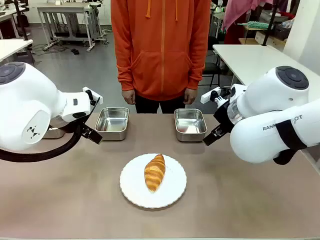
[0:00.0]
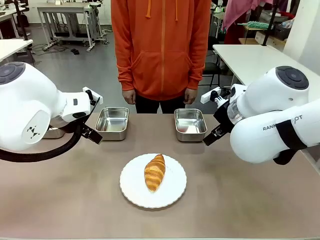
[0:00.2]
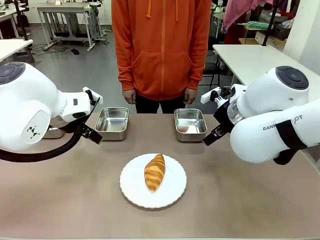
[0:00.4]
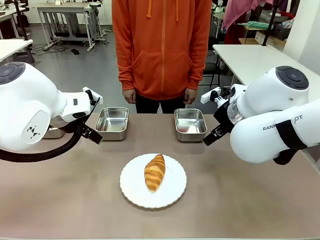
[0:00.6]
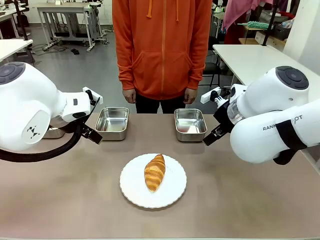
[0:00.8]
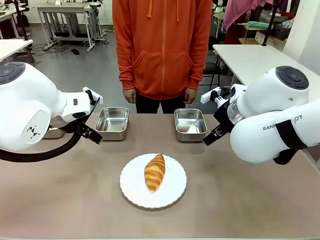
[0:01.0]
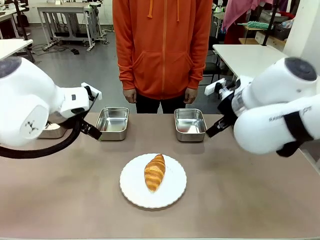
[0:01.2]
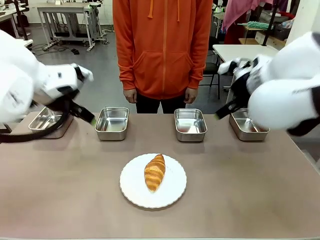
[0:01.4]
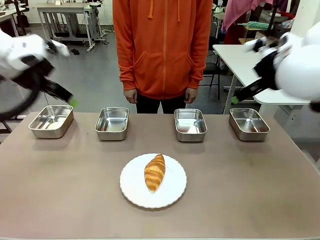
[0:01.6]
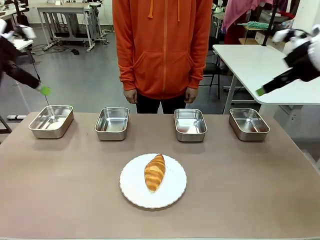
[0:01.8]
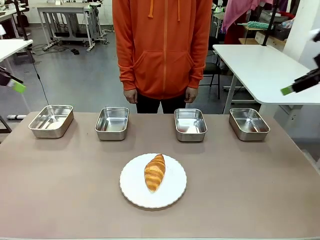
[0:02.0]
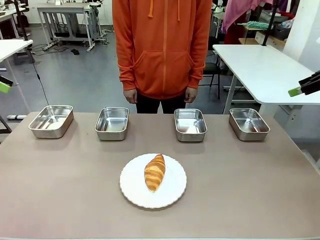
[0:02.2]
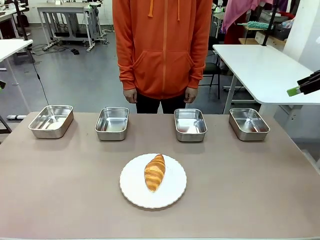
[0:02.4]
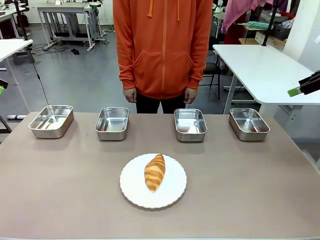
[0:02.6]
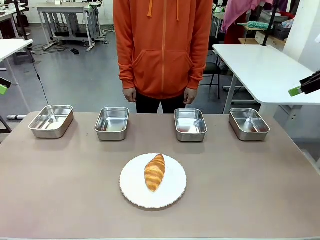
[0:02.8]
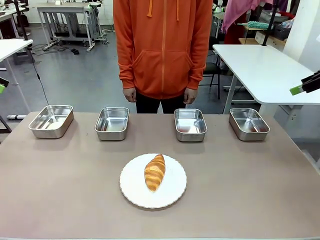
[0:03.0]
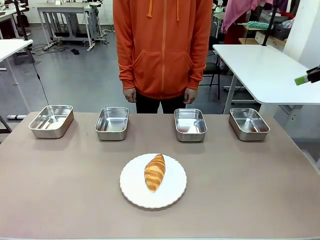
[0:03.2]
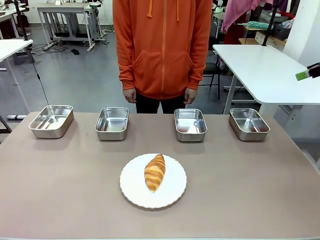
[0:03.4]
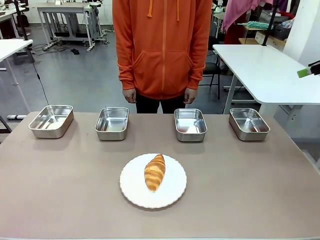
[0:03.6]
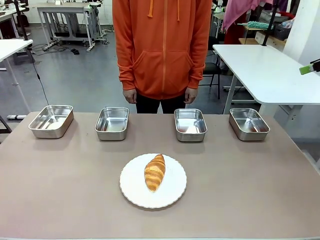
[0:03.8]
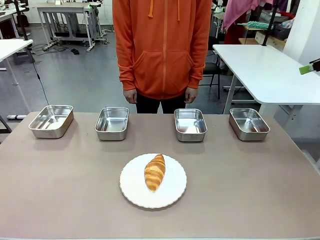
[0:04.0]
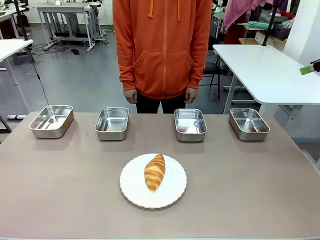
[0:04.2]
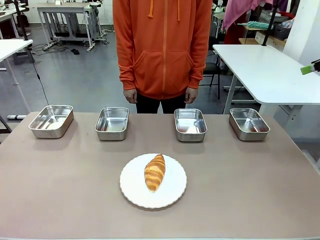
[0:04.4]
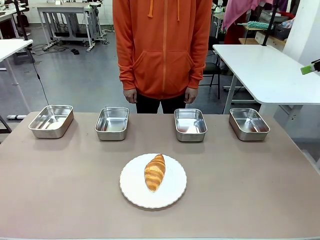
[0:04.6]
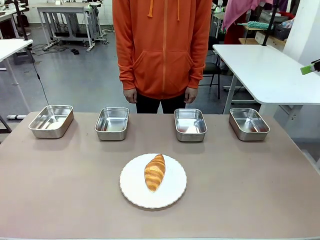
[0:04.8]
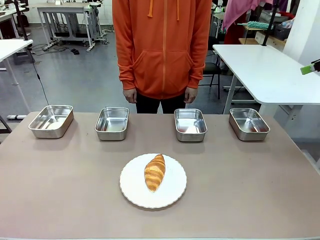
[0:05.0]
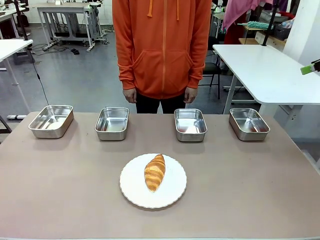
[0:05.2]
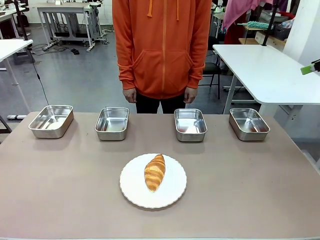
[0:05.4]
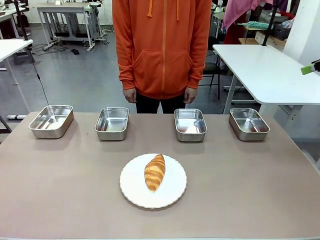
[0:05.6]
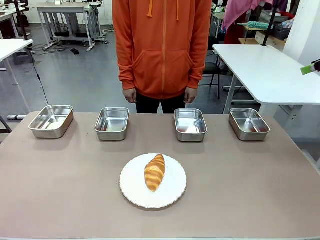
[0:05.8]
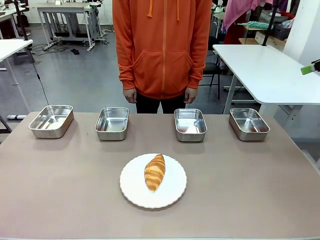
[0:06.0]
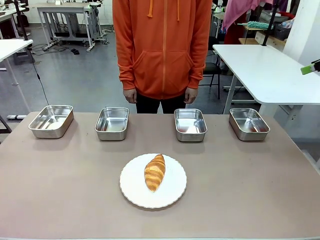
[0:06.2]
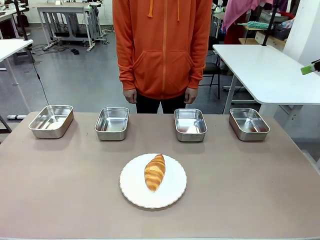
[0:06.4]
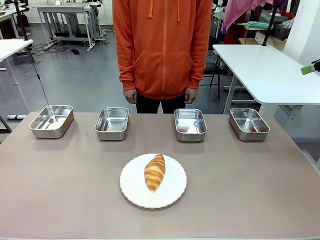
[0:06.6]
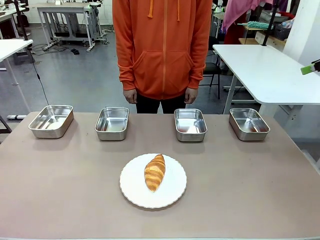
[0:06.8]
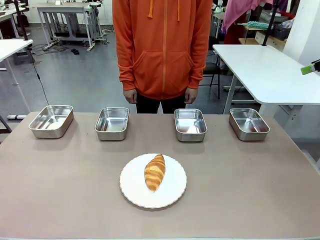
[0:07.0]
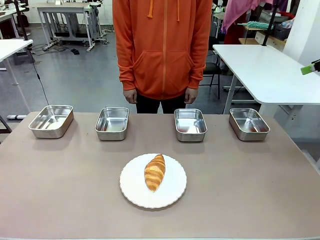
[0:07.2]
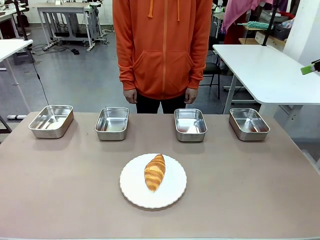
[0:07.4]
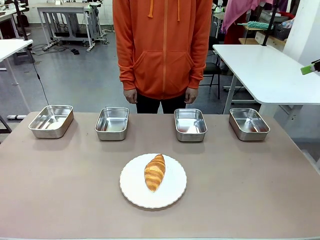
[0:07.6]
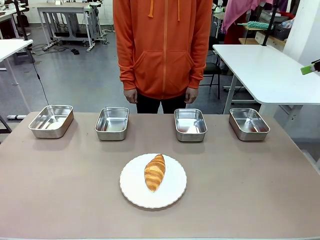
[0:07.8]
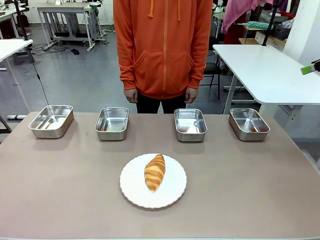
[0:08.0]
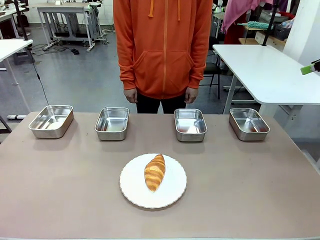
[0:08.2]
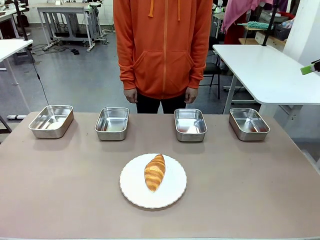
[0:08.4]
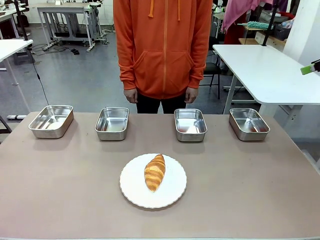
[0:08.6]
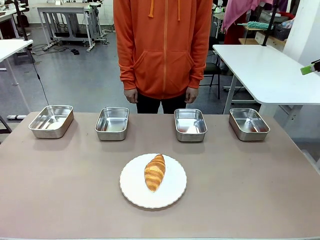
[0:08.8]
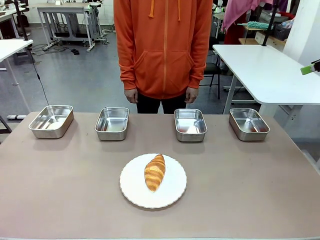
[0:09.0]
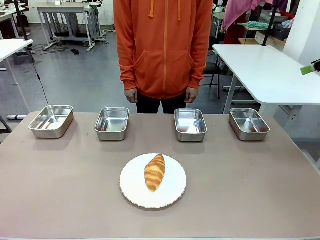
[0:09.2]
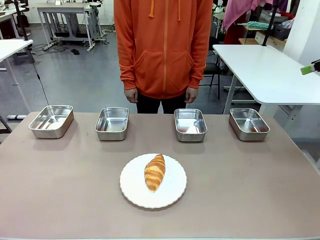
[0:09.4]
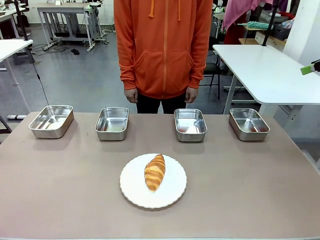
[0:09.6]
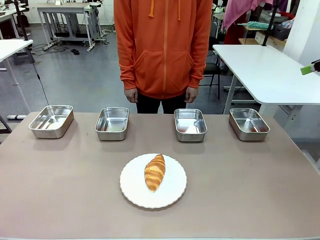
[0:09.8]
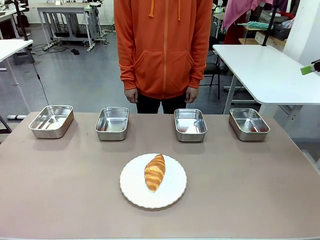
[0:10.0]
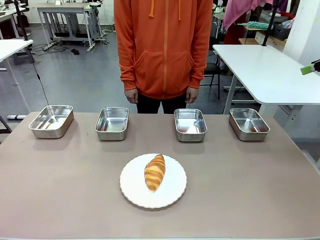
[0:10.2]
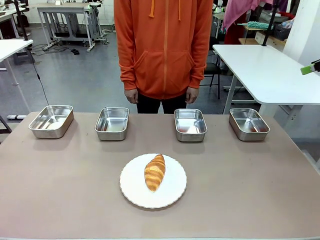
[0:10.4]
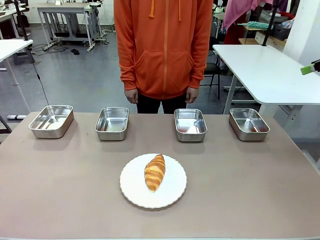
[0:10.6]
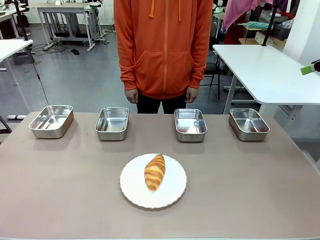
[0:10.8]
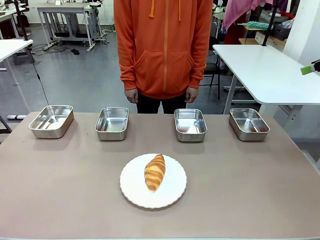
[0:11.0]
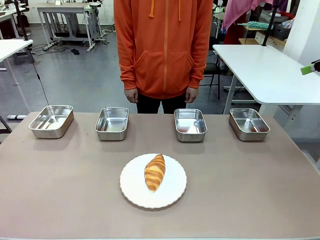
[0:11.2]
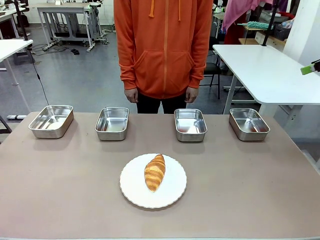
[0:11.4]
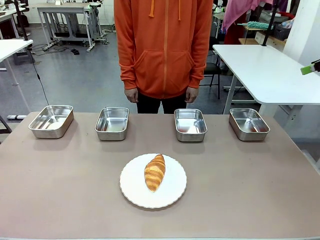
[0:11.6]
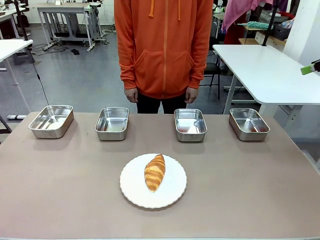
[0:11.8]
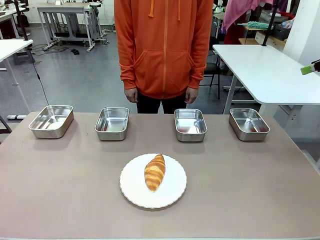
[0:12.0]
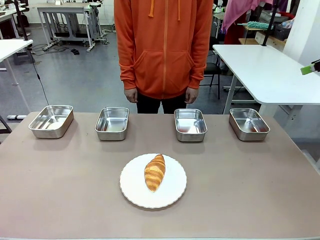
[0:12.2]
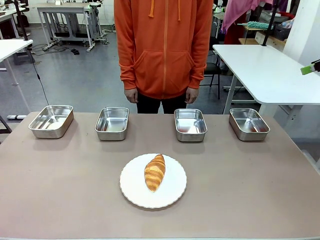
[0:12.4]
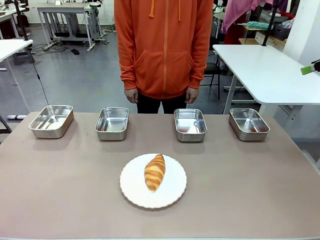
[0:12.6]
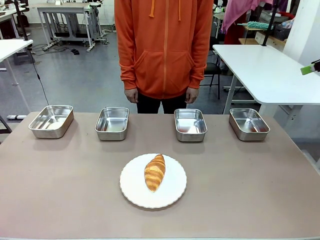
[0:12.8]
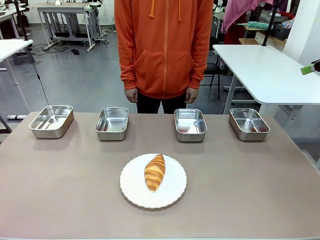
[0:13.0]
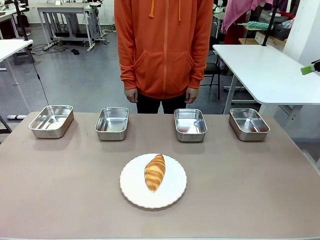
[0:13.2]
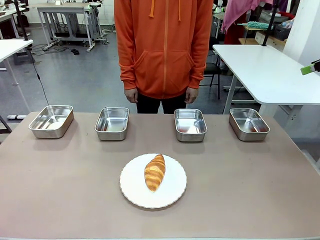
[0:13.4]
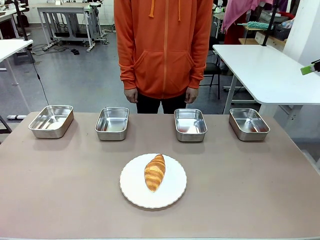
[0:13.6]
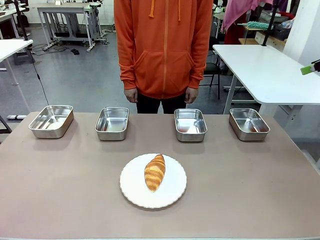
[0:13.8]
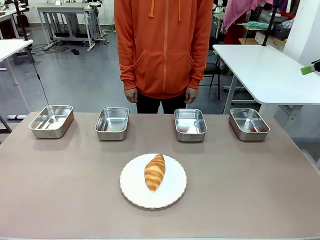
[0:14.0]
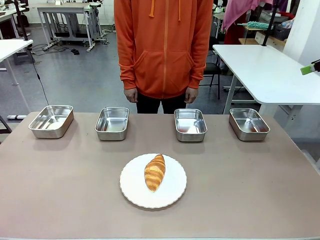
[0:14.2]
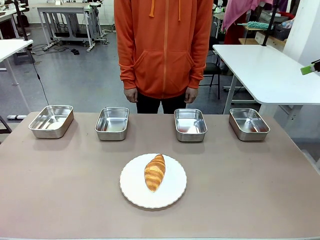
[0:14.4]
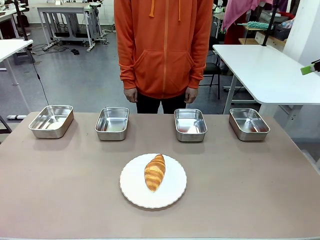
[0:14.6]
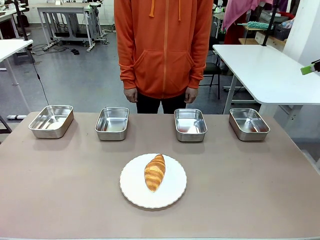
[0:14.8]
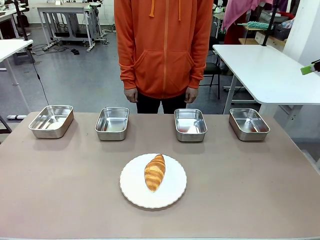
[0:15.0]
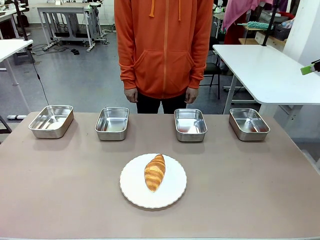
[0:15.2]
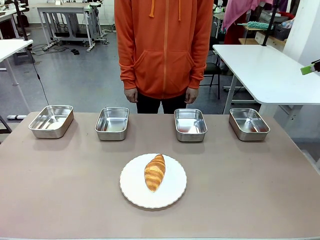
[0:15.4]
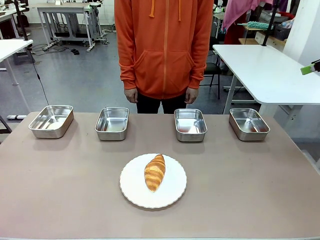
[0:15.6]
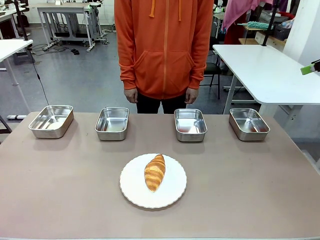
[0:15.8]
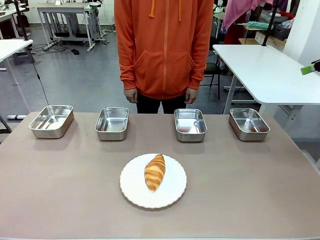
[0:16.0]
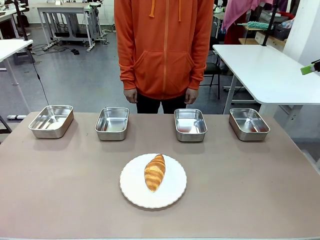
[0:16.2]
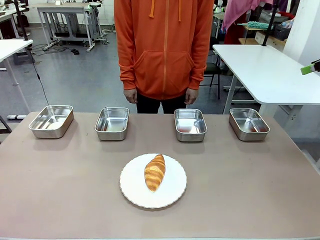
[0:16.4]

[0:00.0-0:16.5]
Task: Place the bread in the container.
Robot: Place the Butter Roll into the Airtight Container indicated by the human.
